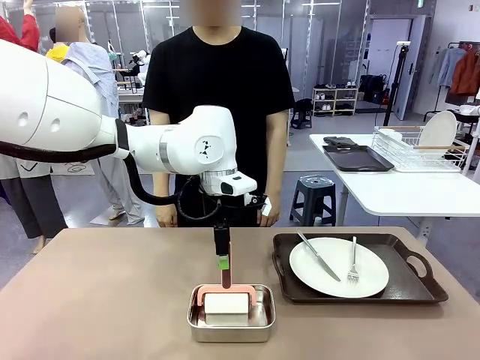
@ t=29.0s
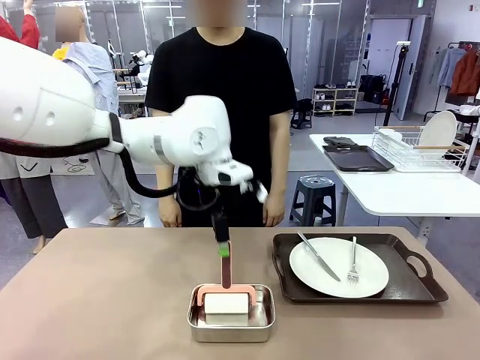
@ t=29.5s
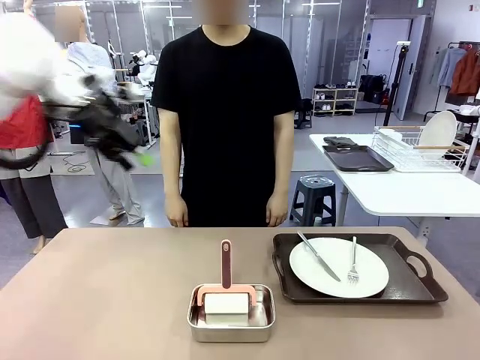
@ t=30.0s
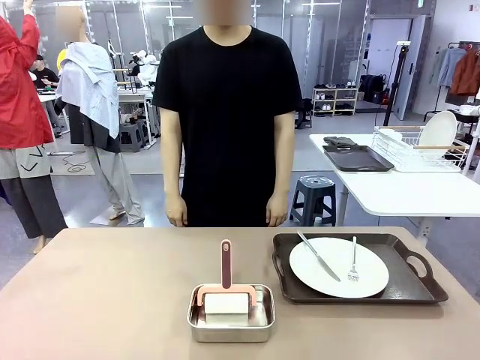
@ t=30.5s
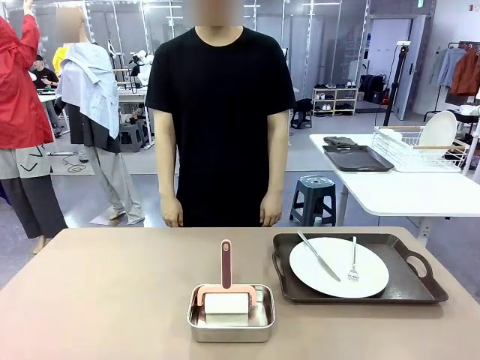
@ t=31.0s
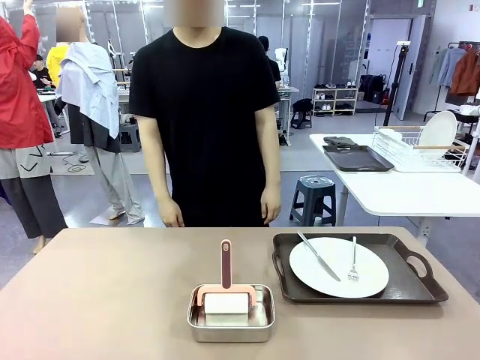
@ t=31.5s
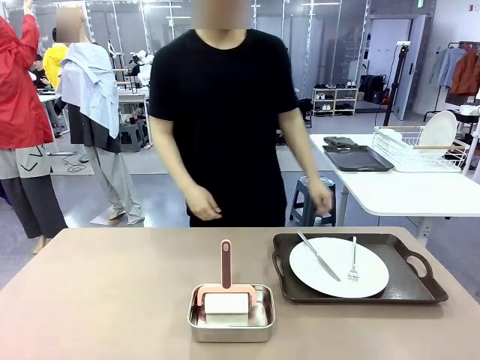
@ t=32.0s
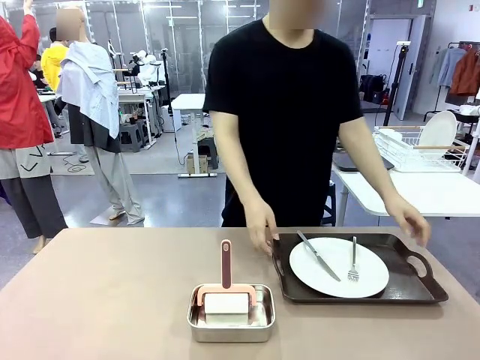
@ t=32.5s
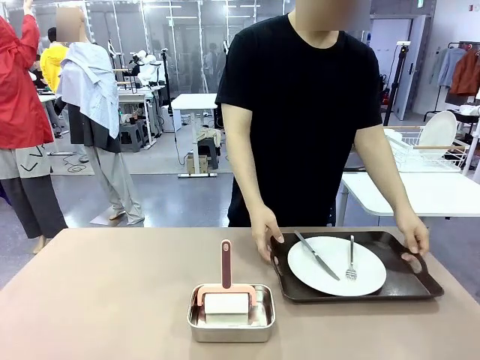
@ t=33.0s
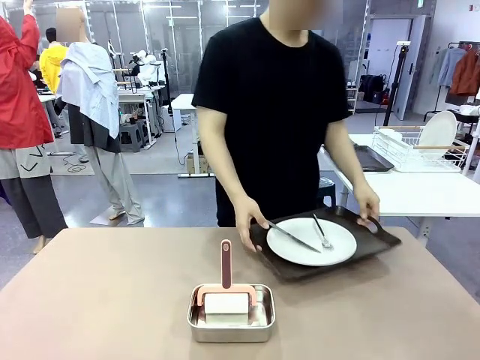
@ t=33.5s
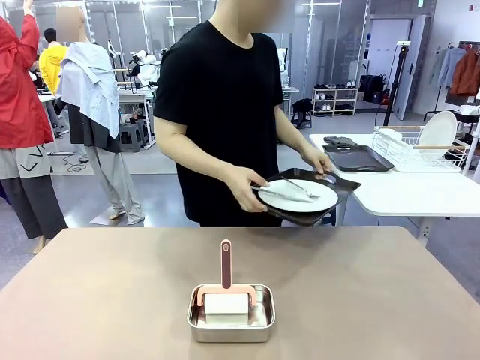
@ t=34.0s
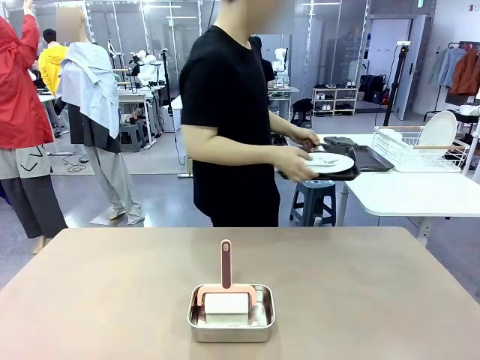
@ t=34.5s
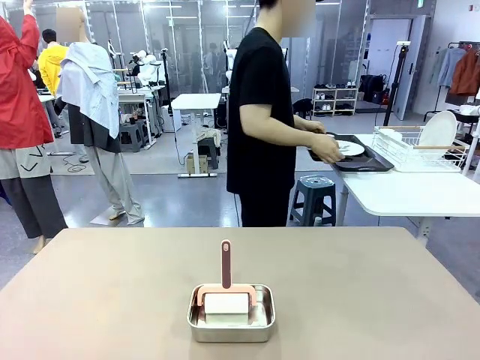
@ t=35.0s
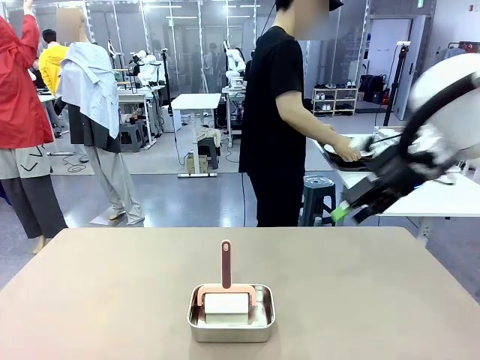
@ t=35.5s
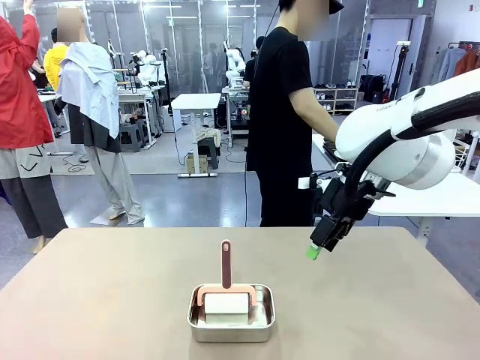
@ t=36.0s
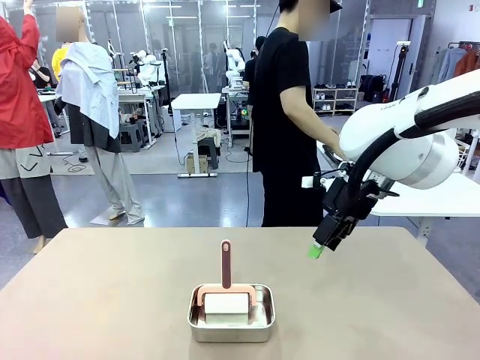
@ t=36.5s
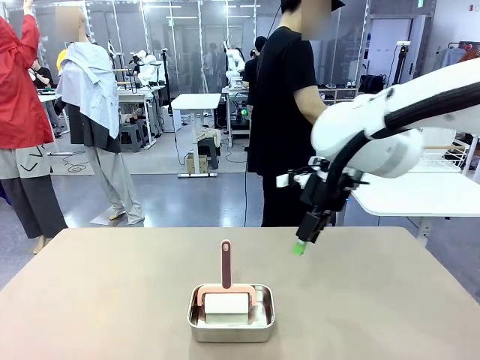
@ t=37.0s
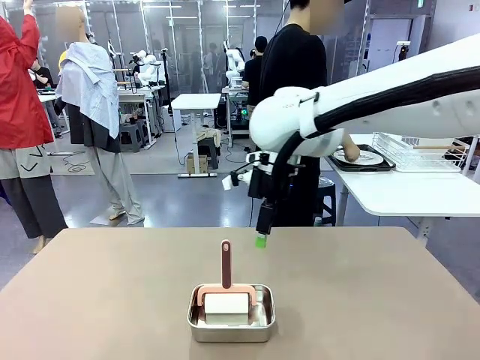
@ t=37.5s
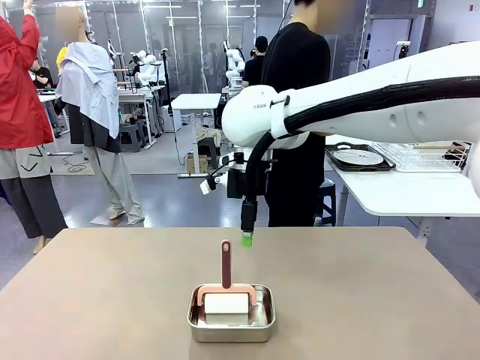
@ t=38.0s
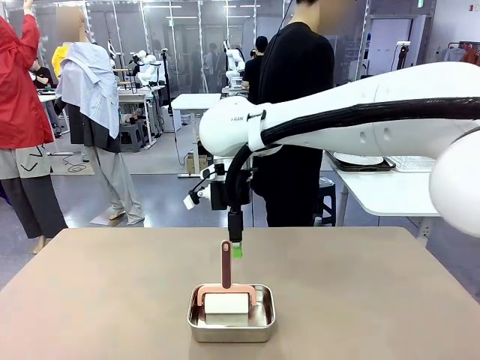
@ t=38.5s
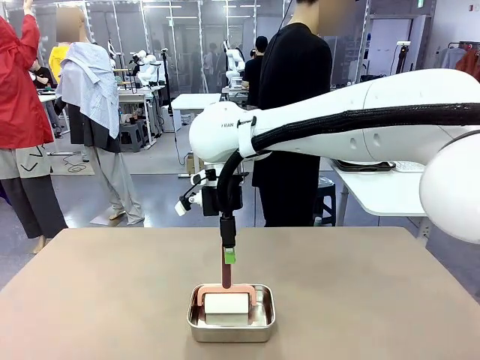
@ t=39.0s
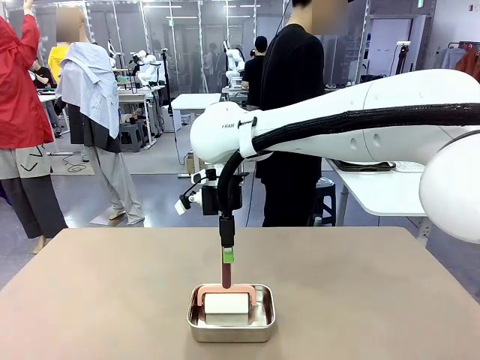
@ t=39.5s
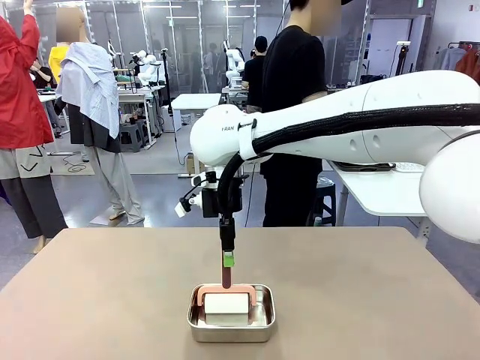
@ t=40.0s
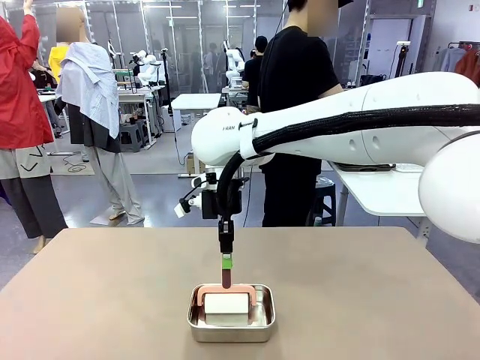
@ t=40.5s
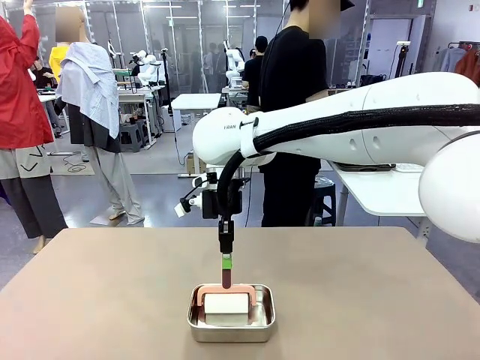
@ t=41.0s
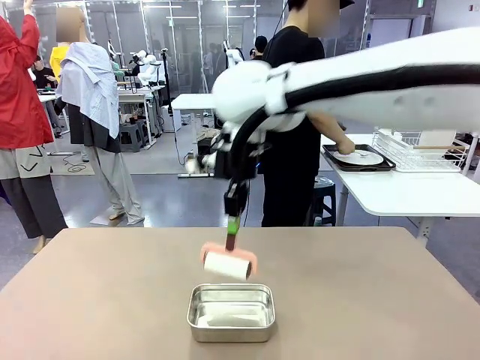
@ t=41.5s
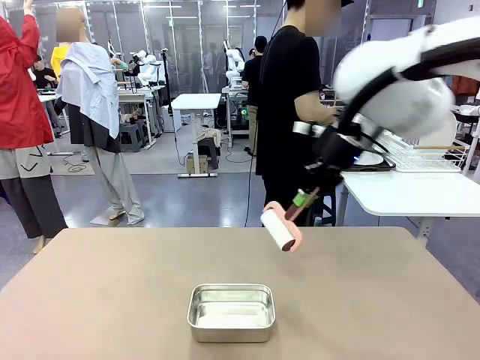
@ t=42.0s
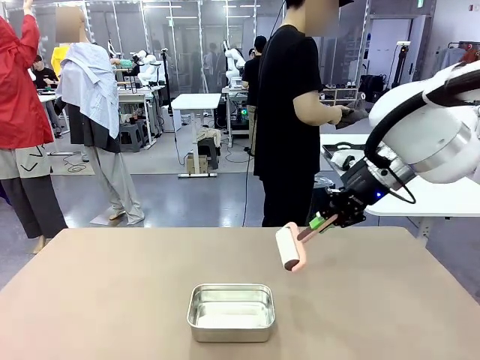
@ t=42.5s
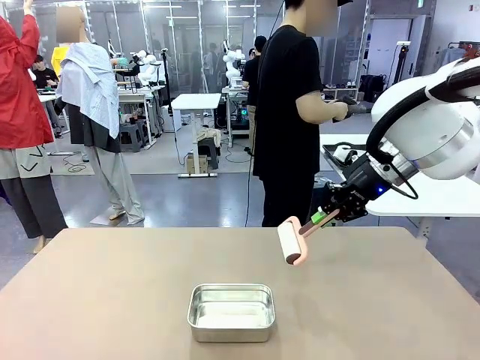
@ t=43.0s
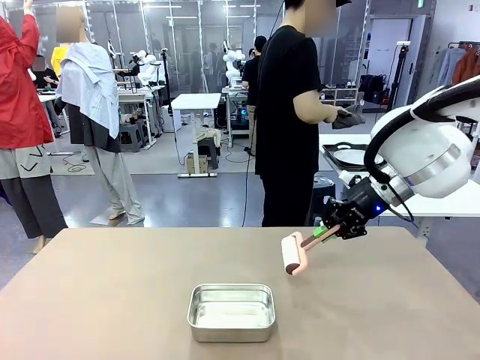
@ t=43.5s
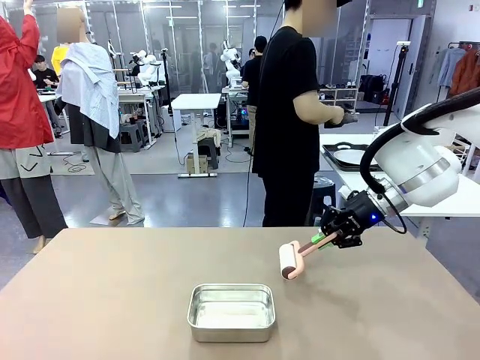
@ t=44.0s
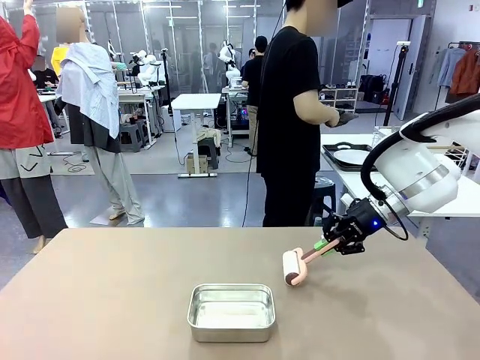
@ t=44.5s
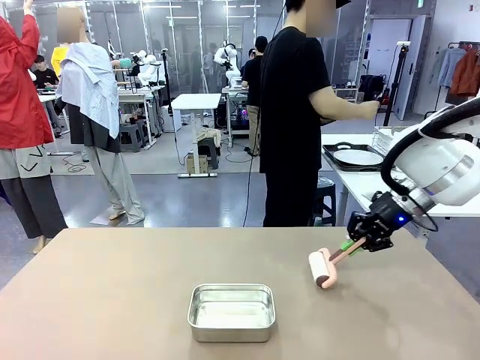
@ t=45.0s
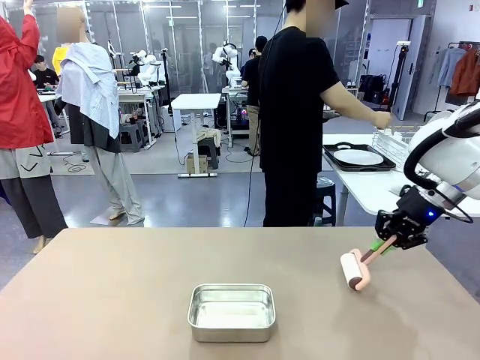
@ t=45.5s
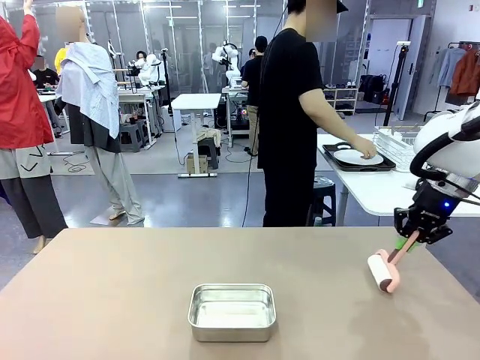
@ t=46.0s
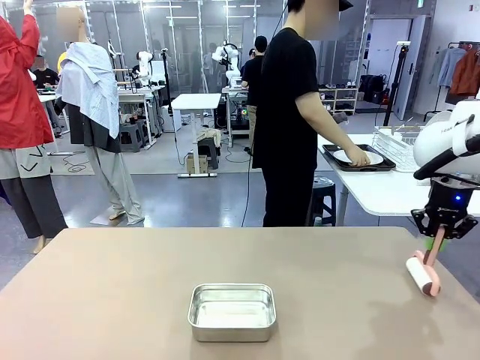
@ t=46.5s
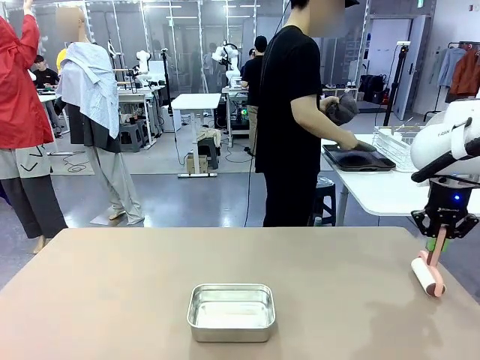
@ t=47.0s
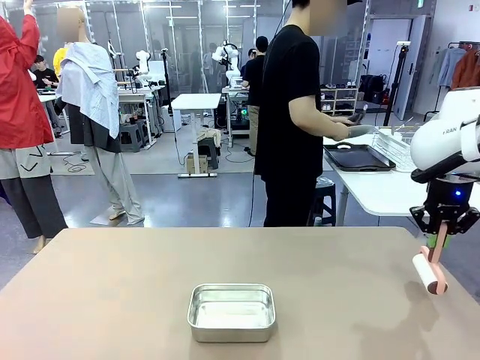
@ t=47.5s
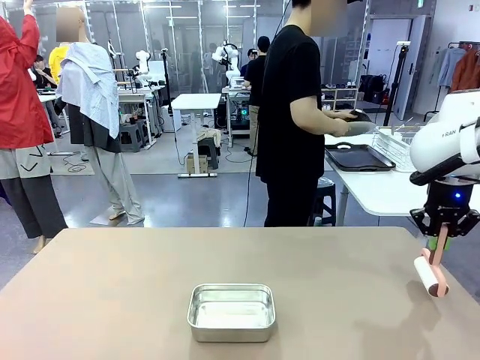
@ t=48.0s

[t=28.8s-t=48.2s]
Robot: When the right (or left) Handle tray is removed, use the right hand (or left hand) to clean the right (or left) side of the table with the Lint Roller.
Person: Pick up the left (or right) Handle tray and place it on the Handle tray. Use the Towel with hook to wipe the Plastic Matte Plate , Fork , and Knife and place into the Dish drying rack.

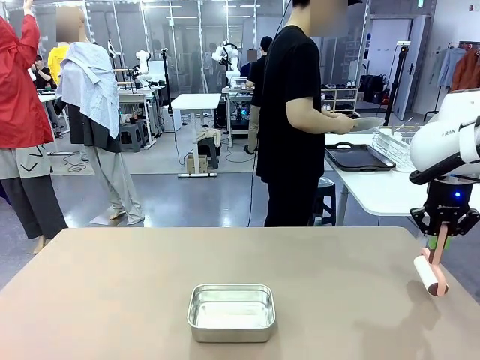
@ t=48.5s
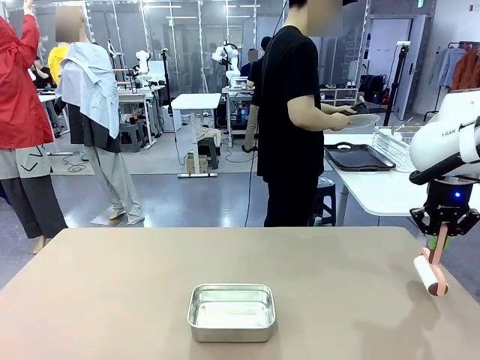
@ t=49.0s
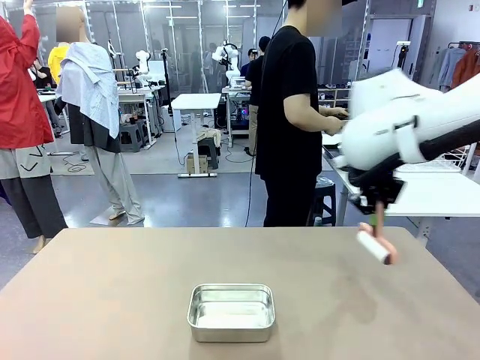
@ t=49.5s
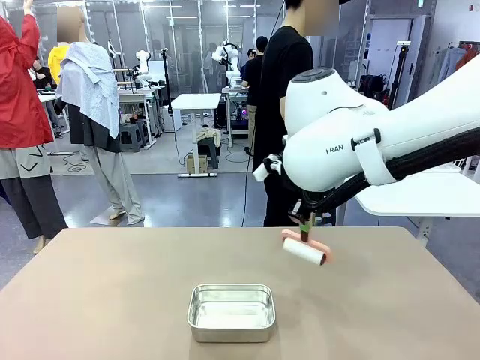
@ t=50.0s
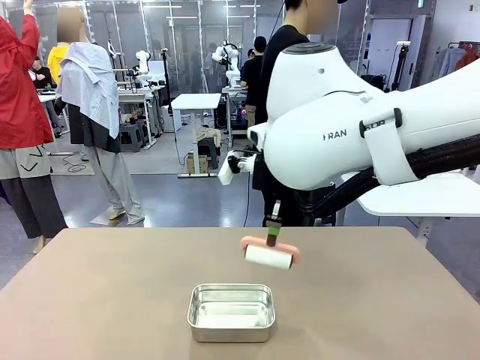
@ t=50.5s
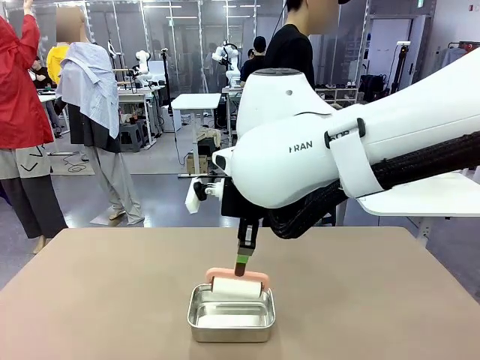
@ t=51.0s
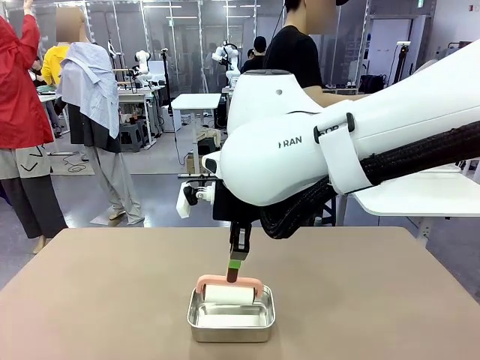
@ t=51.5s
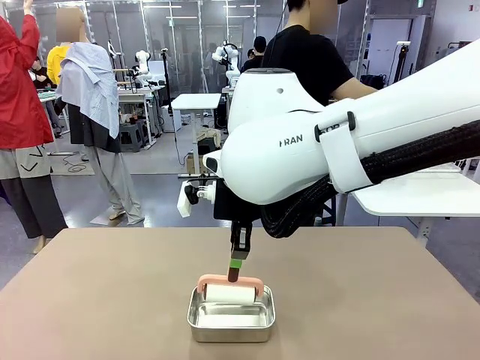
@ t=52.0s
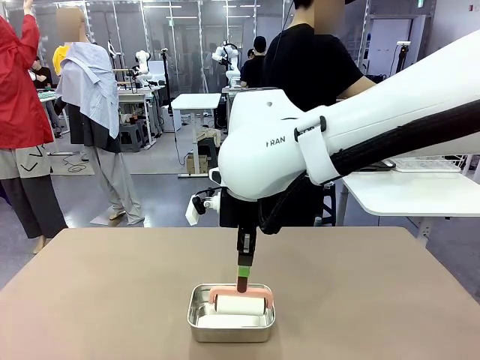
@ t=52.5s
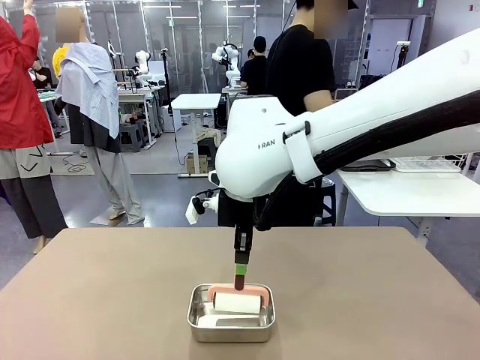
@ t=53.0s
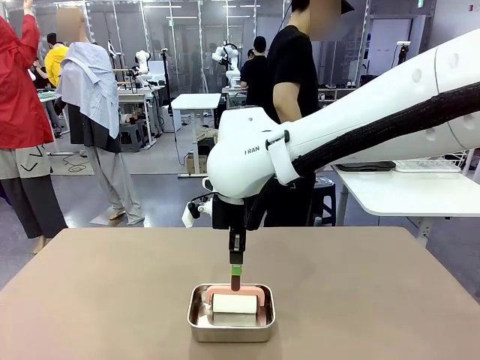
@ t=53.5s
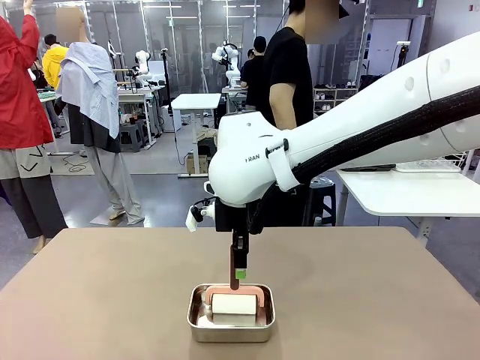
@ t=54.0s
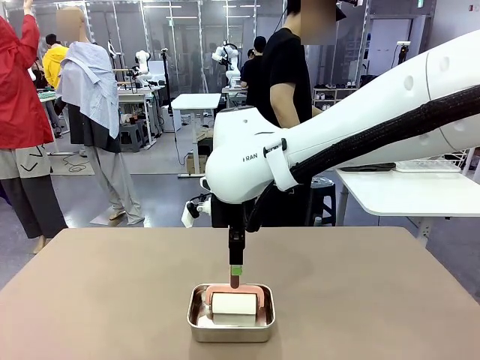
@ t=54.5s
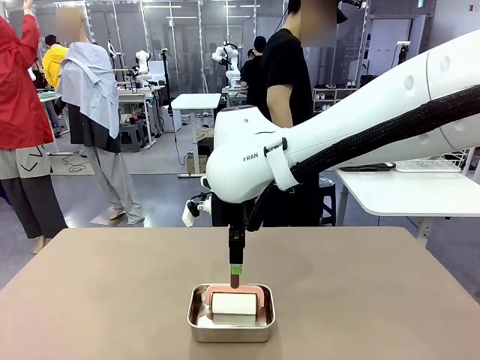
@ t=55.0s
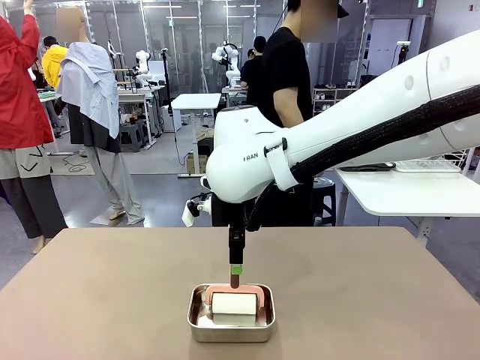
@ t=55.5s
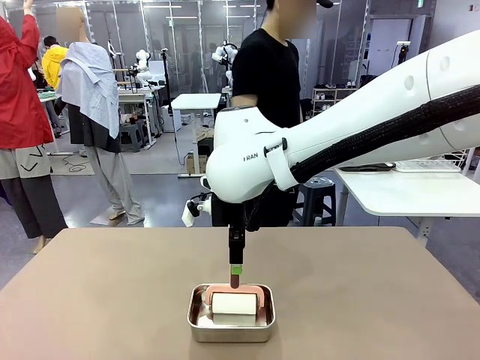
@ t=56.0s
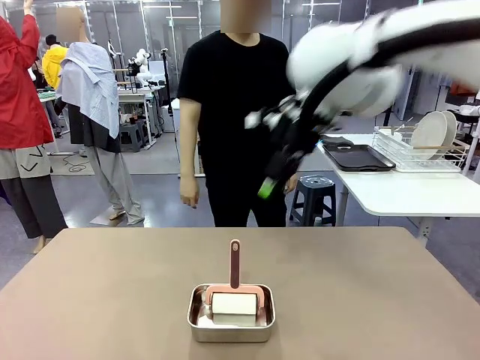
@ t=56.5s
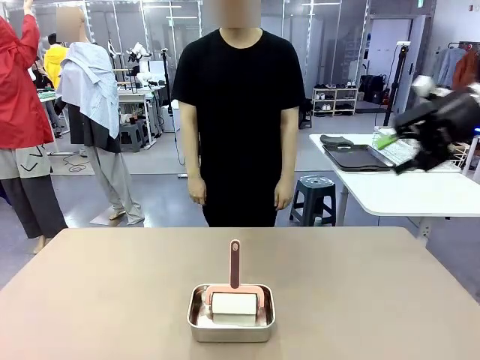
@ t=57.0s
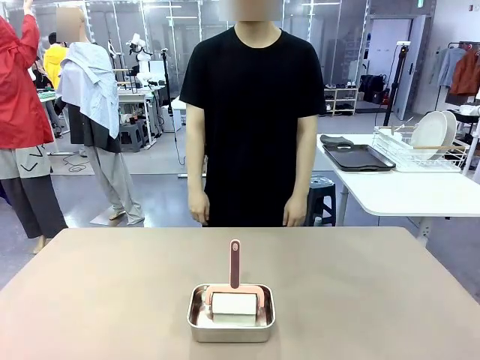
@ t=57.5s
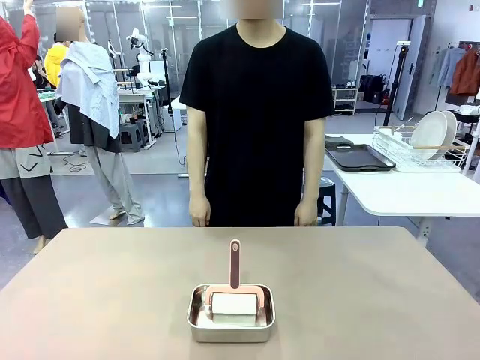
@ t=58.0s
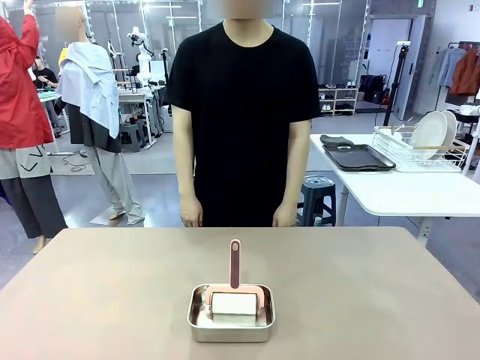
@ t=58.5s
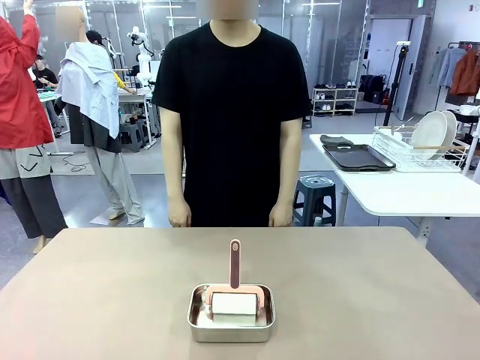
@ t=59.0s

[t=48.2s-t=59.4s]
Robot: Place the Lint Roller back on top of the Airtight Container.
